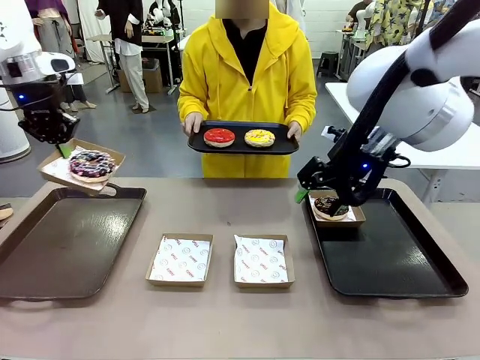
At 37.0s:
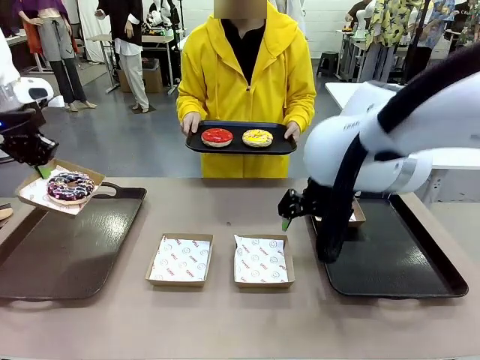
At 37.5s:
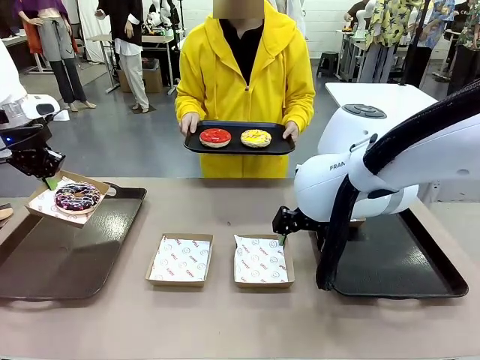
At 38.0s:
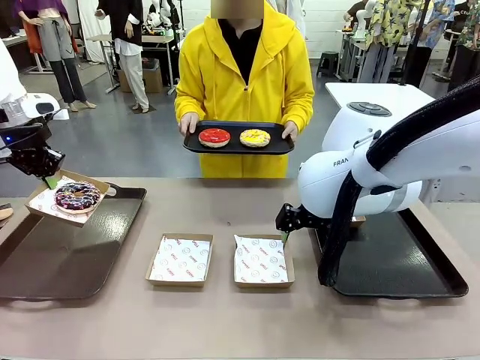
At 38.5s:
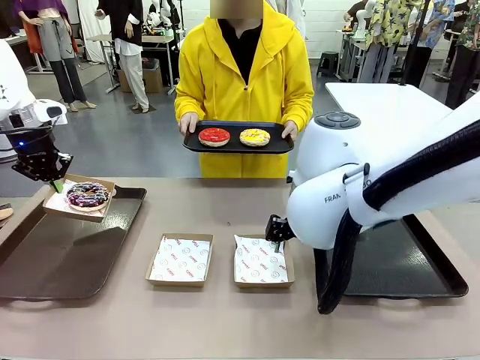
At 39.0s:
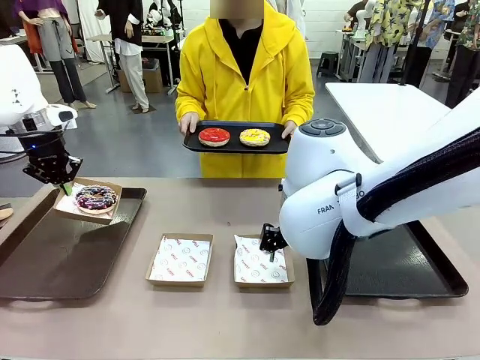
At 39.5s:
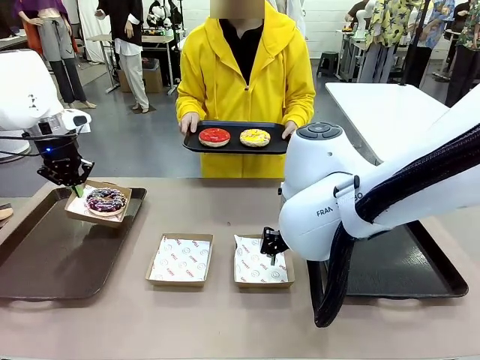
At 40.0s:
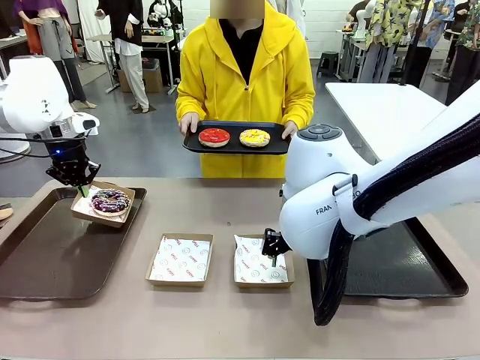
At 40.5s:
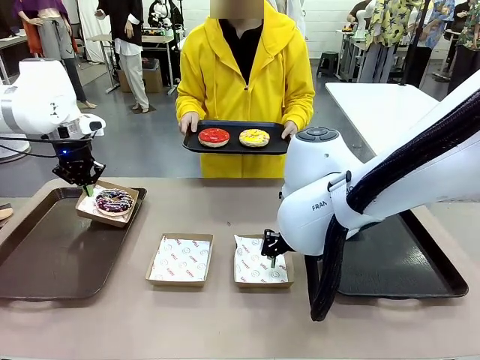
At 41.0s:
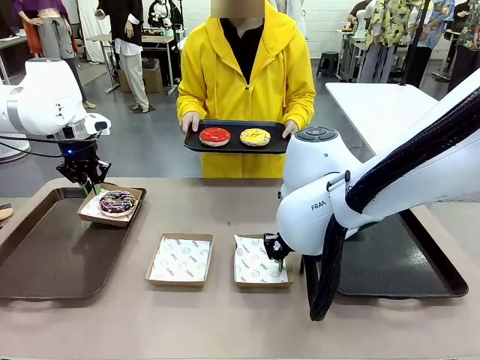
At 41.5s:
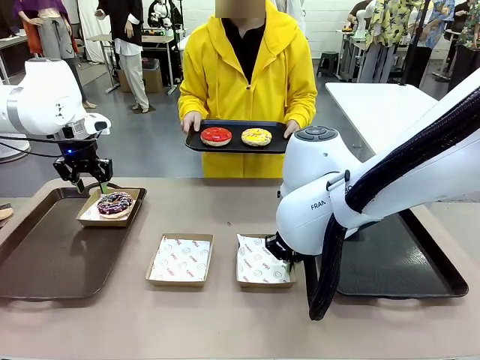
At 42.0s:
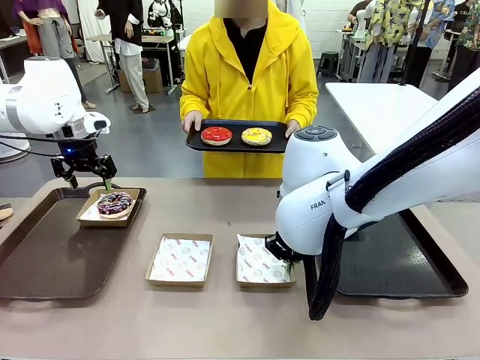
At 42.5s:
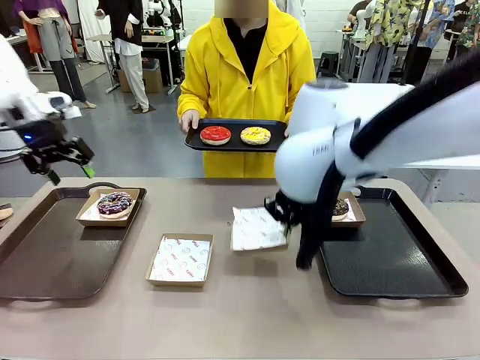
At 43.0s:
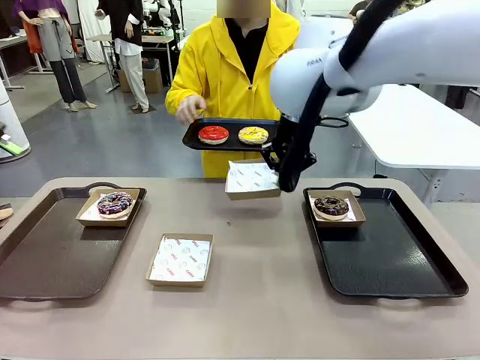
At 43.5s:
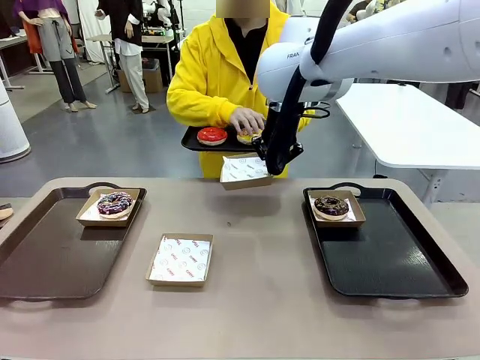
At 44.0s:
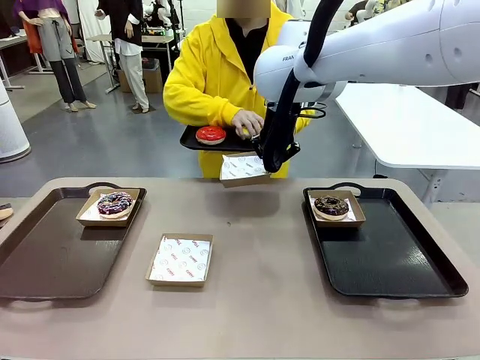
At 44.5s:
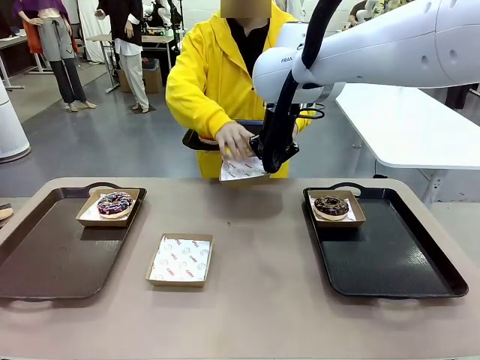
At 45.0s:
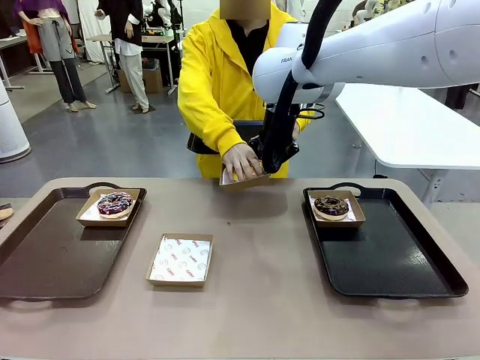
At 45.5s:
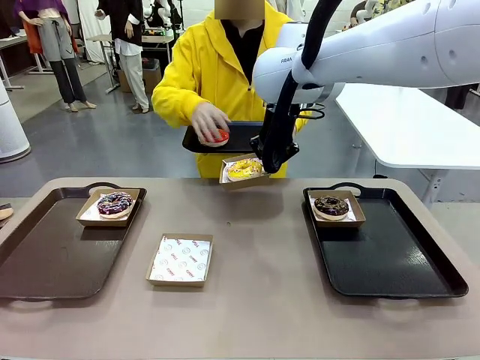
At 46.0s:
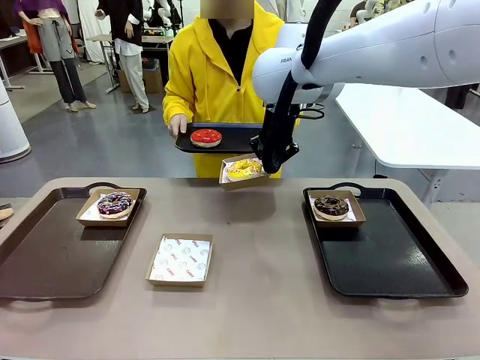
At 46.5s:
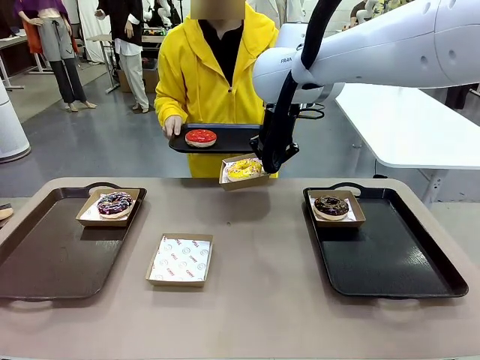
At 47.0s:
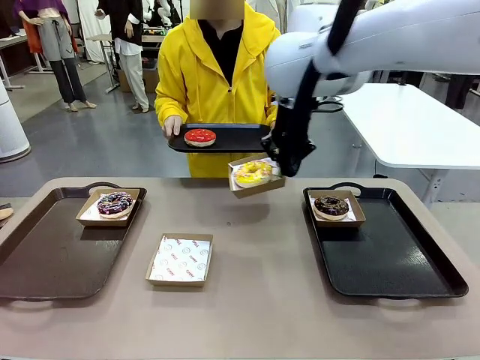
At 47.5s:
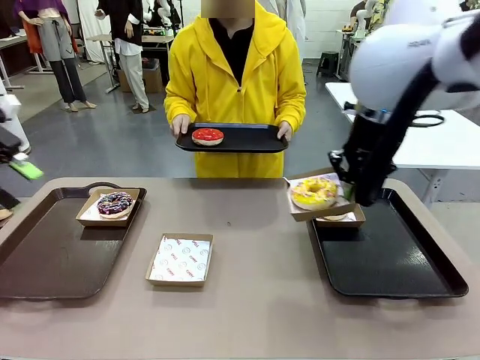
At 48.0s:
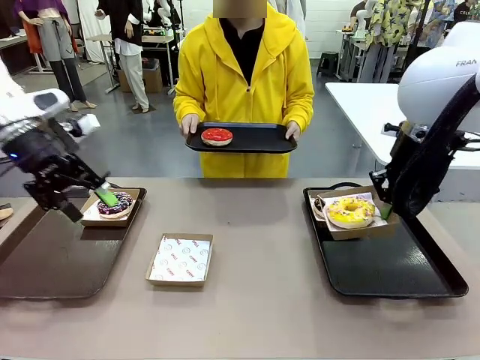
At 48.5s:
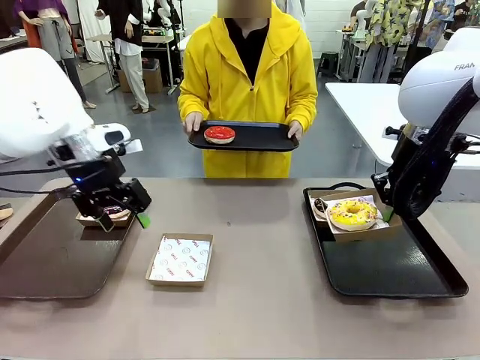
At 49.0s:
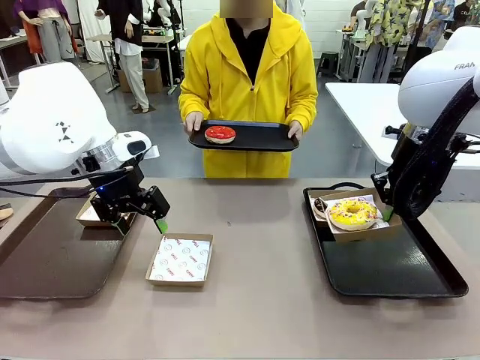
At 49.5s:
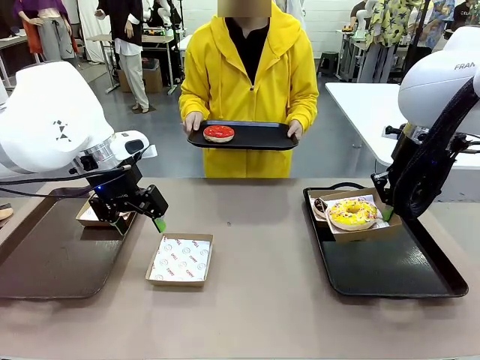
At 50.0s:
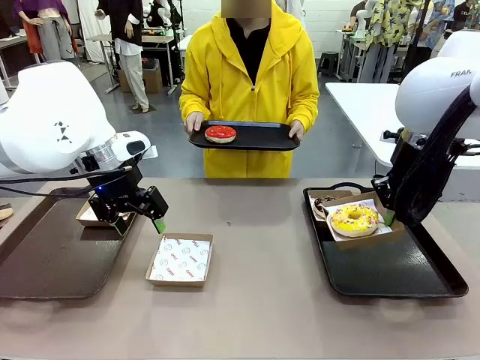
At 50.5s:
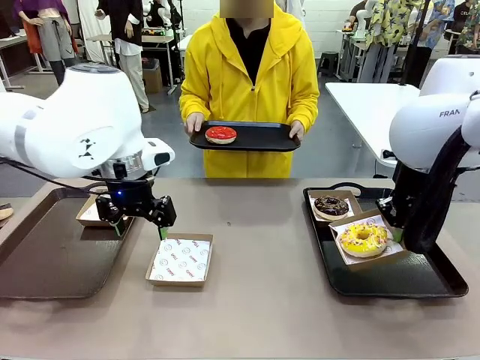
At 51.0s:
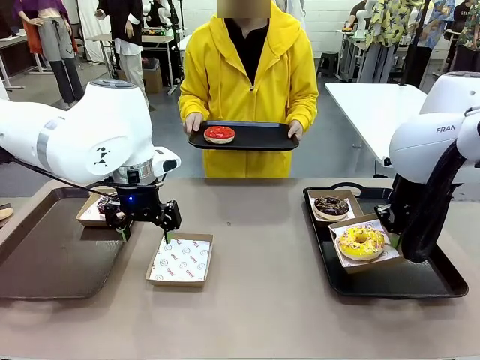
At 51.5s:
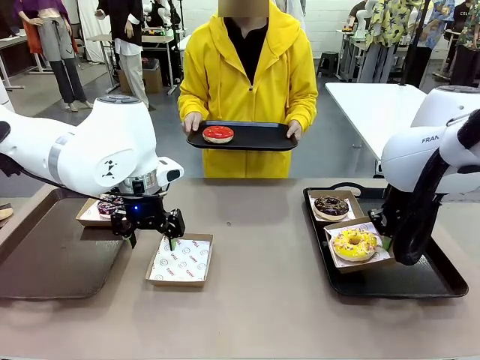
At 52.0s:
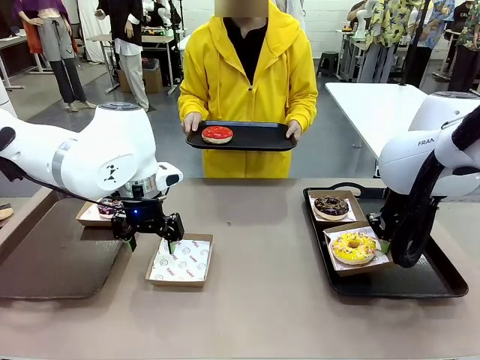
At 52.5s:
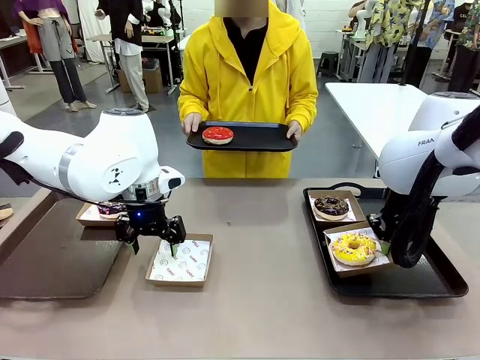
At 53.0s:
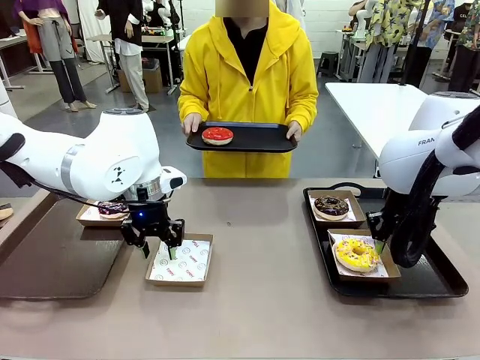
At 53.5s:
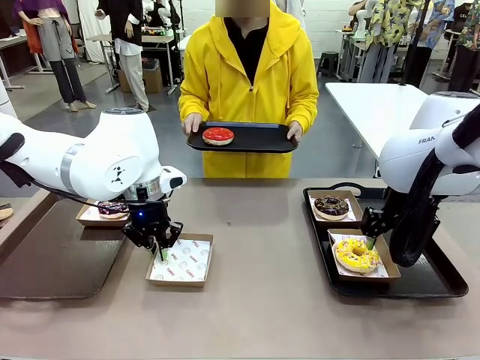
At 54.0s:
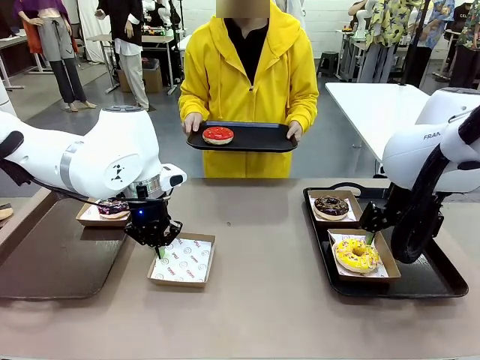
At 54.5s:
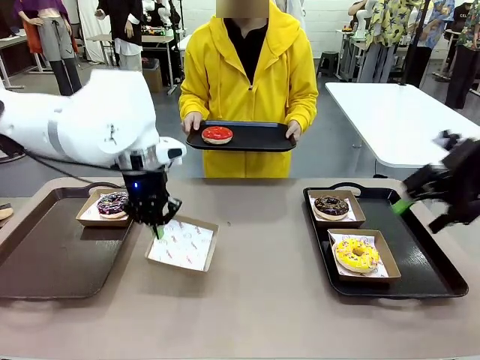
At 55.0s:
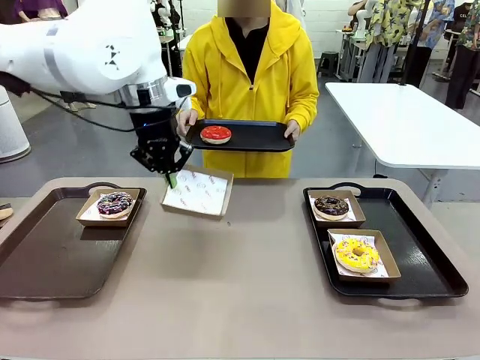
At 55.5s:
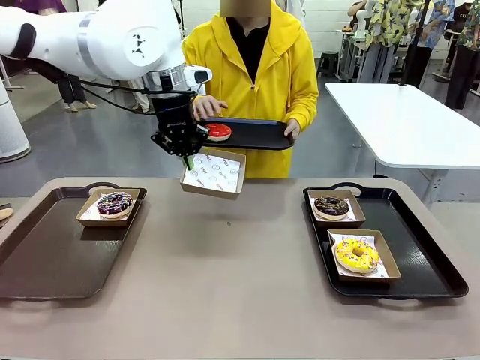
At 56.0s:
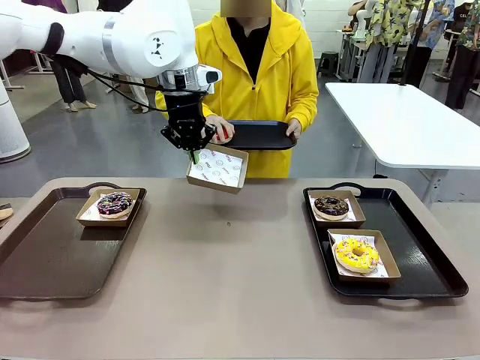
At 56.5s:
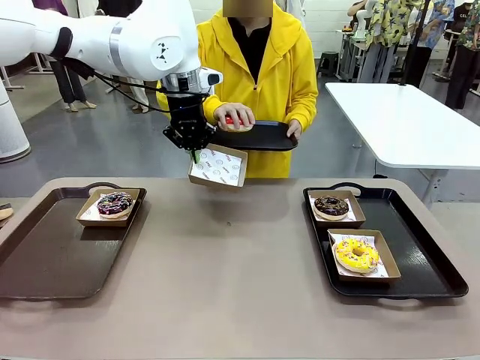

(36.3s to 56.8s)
Task: Individually package the donuts and arrange them on the tray.
Robot: Place the picked Paper togo box on the Handle tray while simultaneously picking up another Paper togo box from the table with the other hand.

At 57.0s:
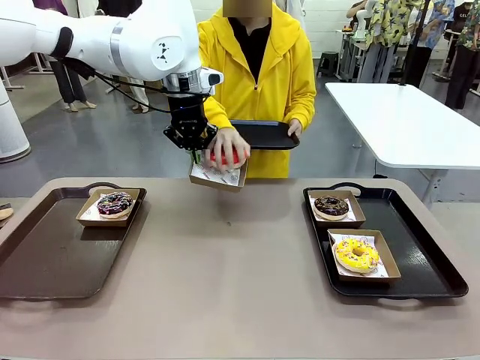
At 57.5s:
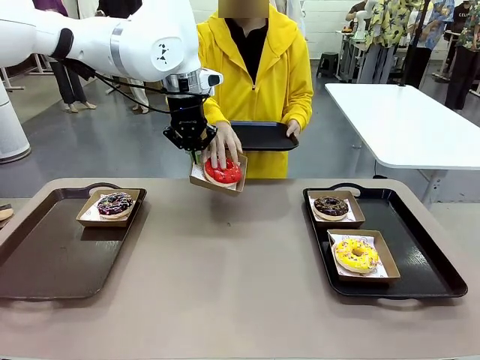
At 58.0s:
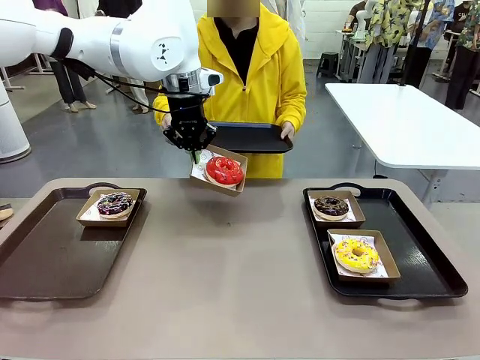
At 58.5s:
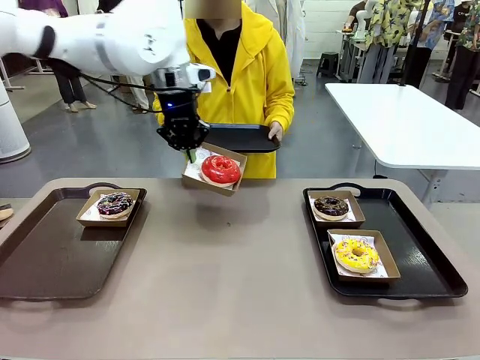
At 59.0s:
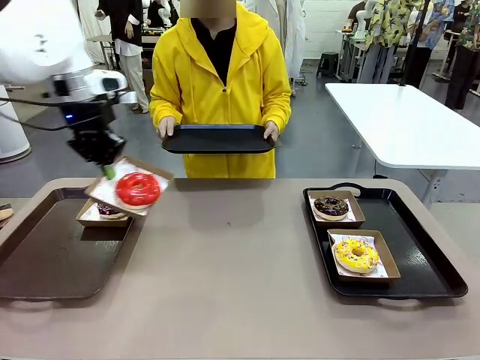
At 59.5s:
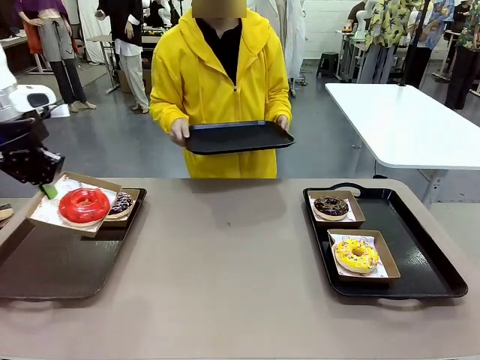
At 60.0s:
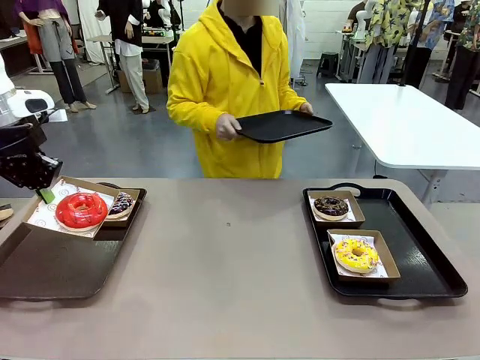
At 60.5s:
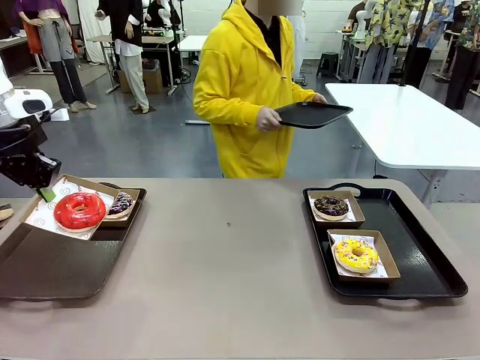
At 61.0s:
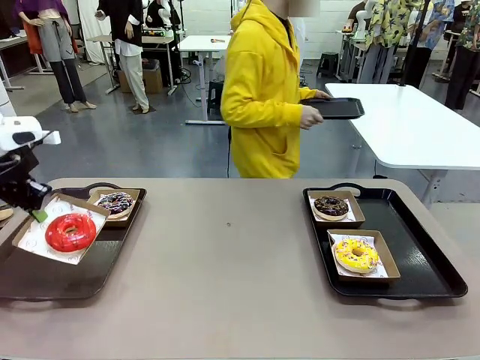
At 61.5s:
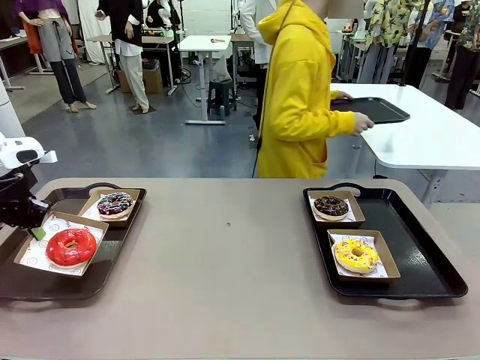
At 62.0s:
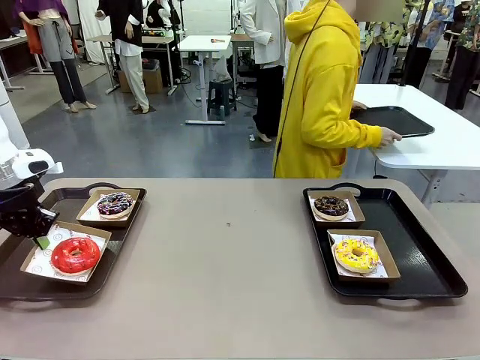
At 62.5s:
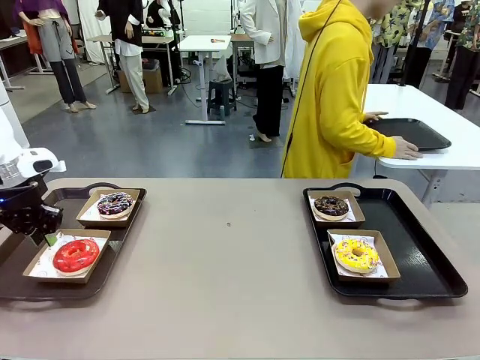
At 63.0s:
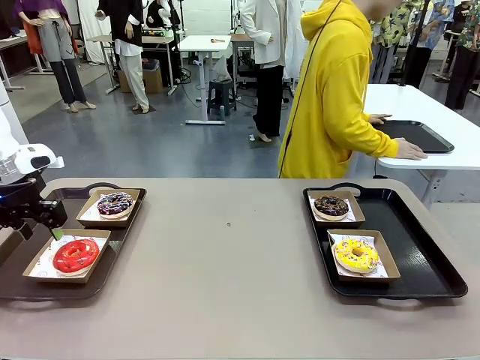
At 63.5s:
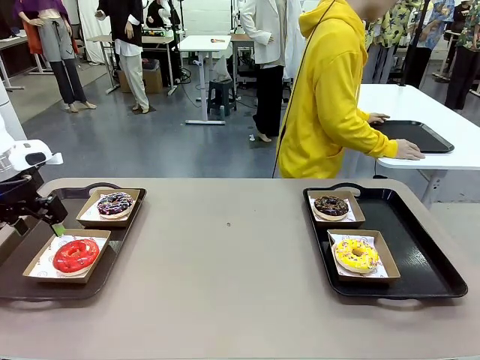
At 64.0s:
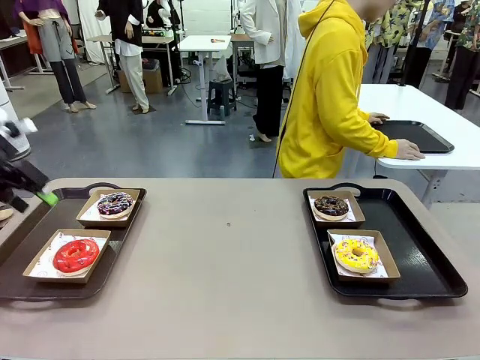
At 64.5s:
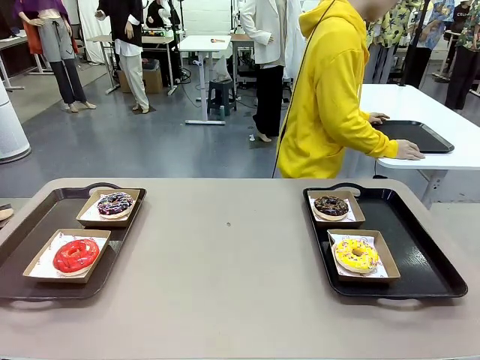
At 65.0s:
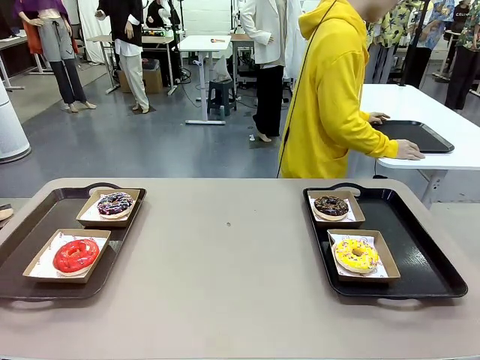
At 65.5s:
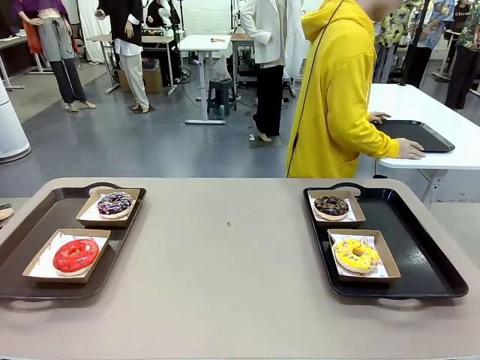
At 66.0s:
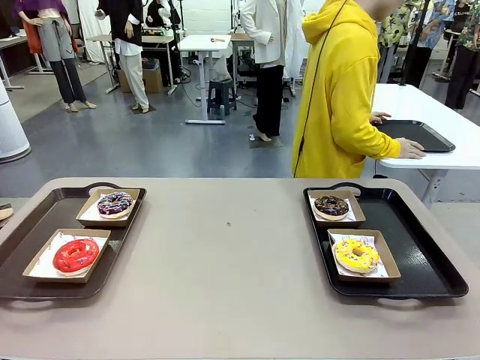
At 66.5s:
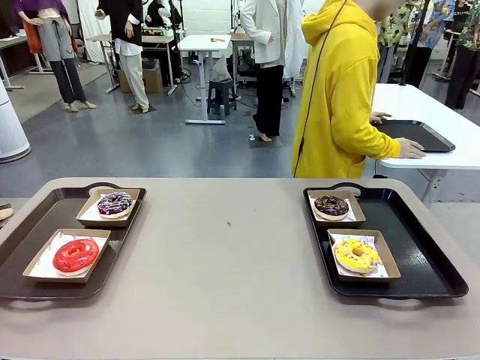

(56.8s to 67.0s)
Robot: Place the picked Paper togo box on the Handle tray.
Person: Place the tray down in the middle of the human table.
